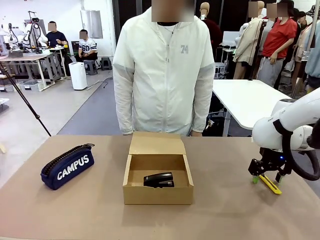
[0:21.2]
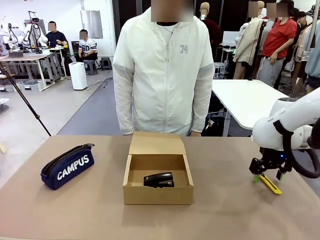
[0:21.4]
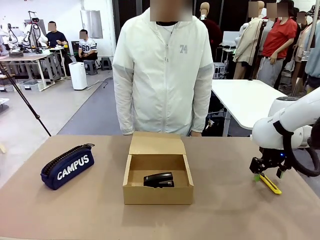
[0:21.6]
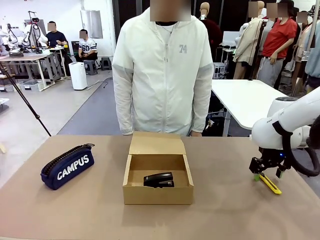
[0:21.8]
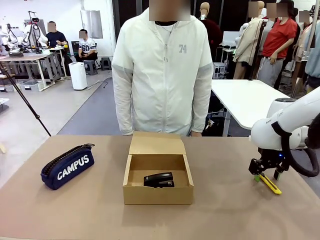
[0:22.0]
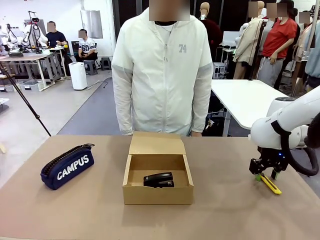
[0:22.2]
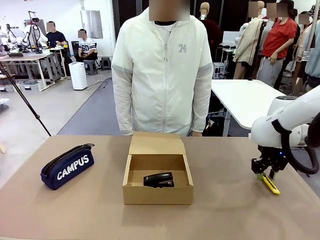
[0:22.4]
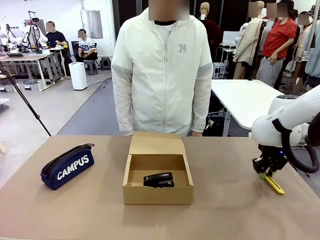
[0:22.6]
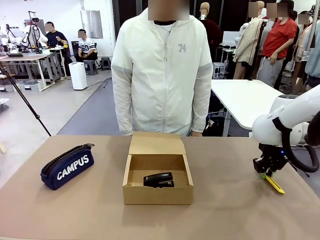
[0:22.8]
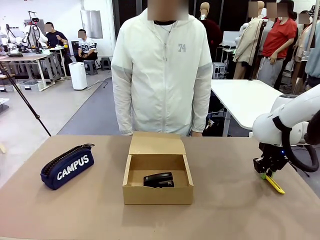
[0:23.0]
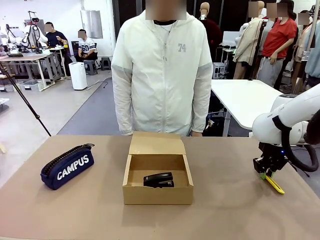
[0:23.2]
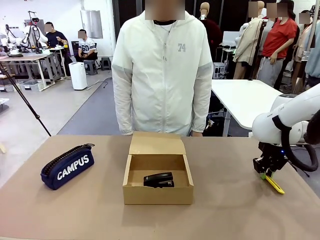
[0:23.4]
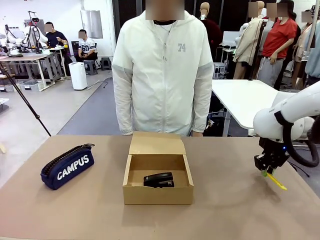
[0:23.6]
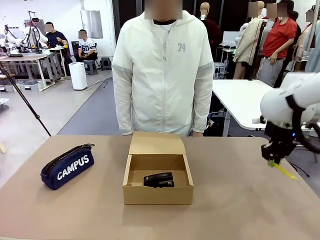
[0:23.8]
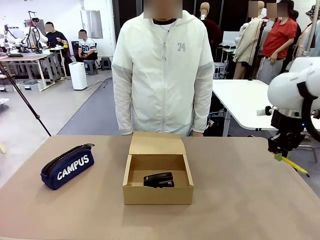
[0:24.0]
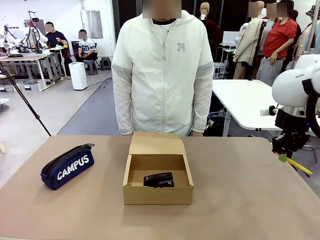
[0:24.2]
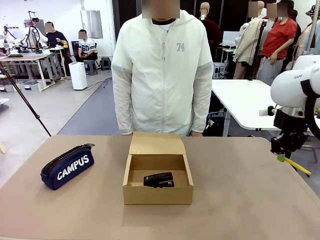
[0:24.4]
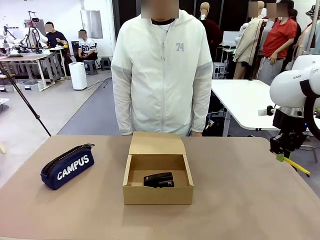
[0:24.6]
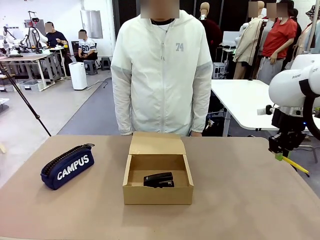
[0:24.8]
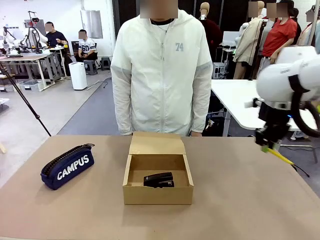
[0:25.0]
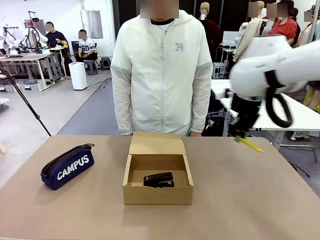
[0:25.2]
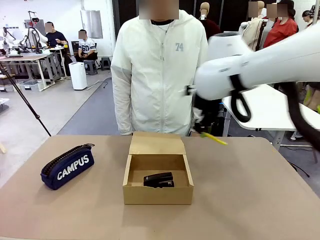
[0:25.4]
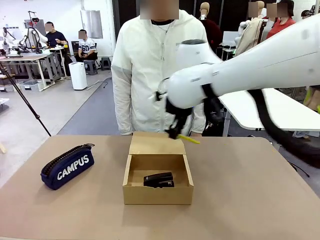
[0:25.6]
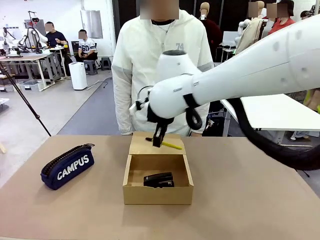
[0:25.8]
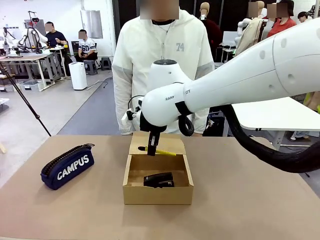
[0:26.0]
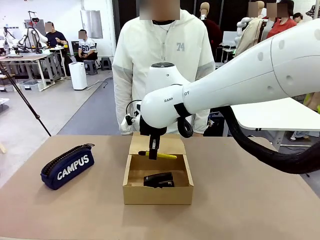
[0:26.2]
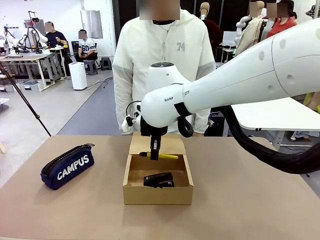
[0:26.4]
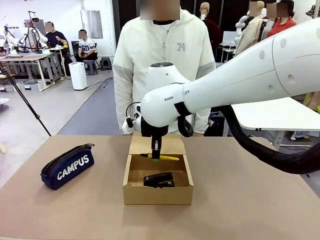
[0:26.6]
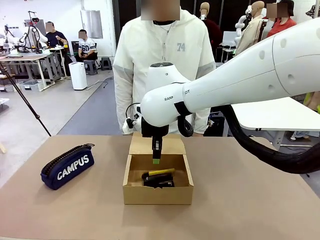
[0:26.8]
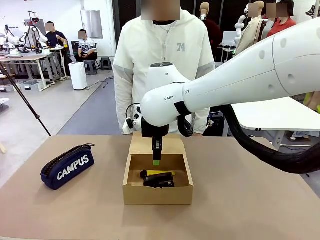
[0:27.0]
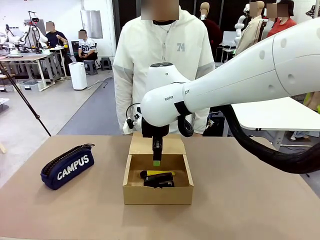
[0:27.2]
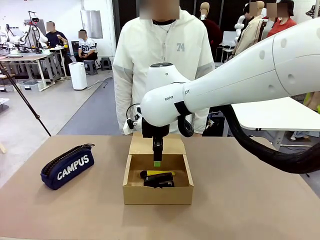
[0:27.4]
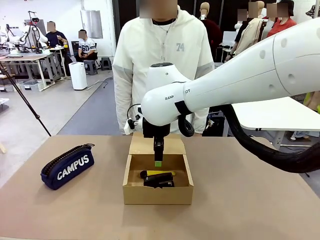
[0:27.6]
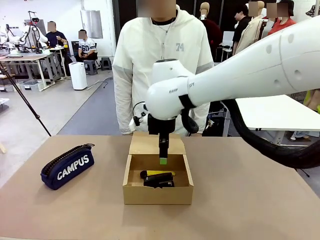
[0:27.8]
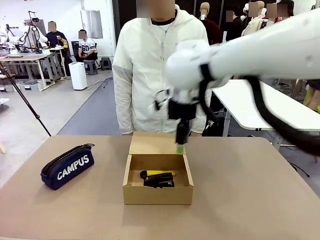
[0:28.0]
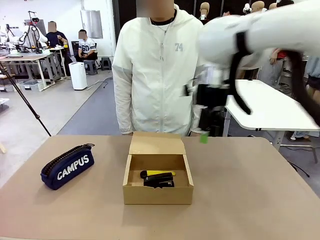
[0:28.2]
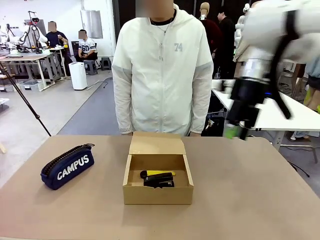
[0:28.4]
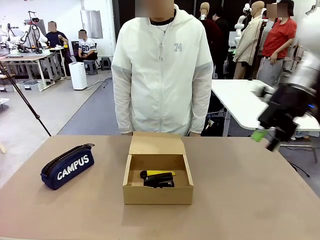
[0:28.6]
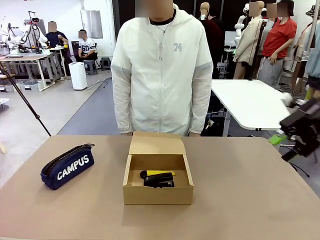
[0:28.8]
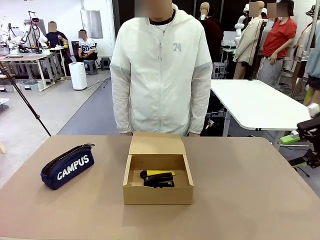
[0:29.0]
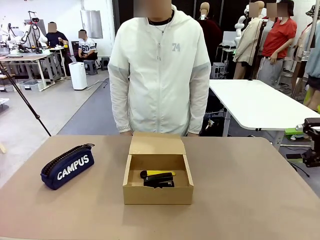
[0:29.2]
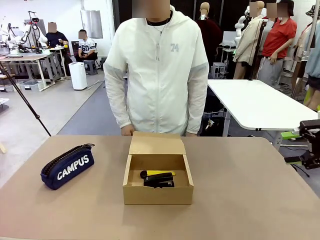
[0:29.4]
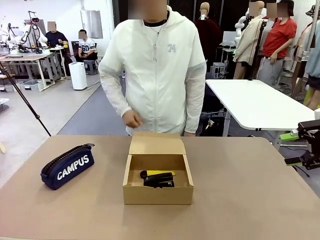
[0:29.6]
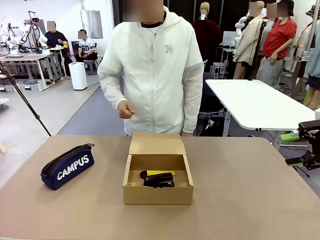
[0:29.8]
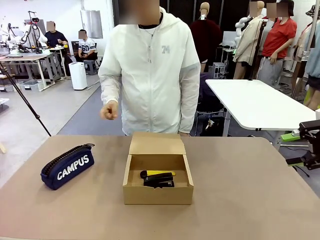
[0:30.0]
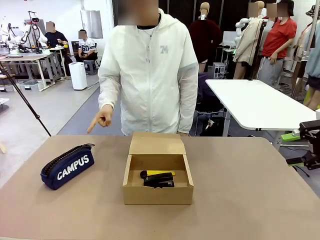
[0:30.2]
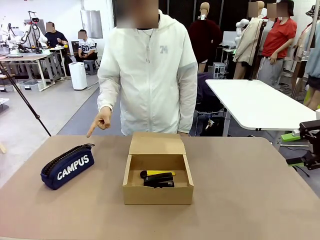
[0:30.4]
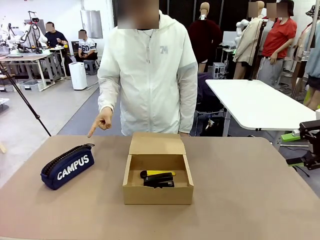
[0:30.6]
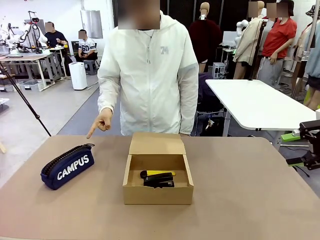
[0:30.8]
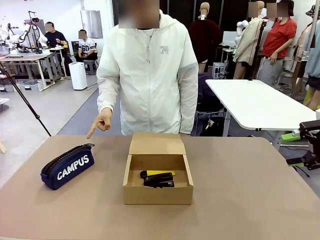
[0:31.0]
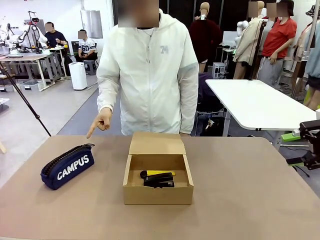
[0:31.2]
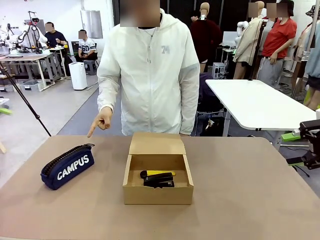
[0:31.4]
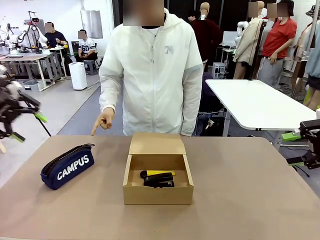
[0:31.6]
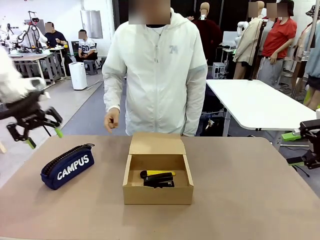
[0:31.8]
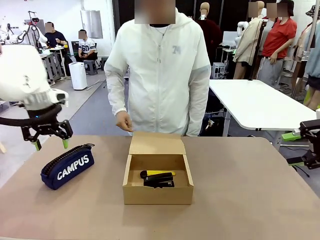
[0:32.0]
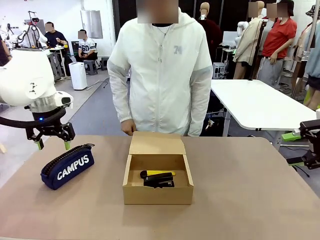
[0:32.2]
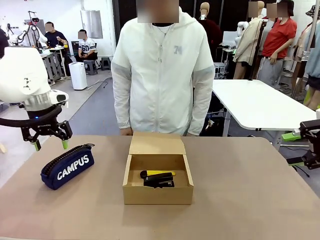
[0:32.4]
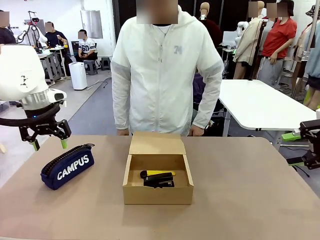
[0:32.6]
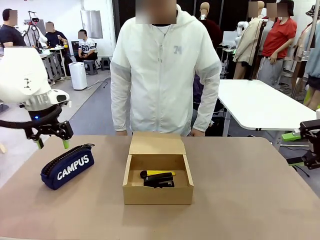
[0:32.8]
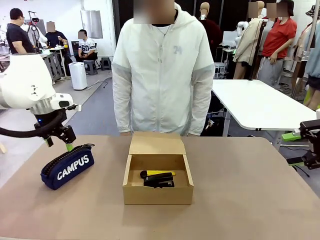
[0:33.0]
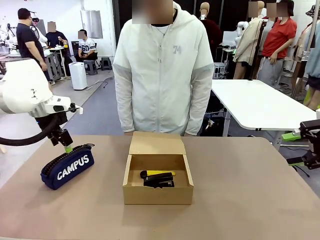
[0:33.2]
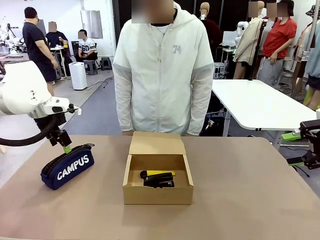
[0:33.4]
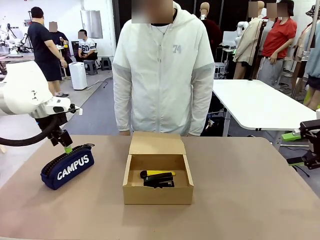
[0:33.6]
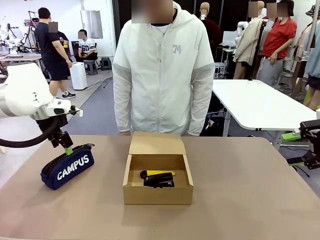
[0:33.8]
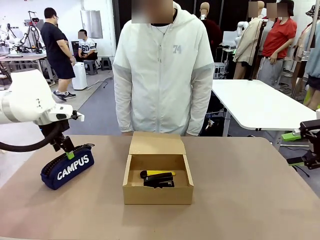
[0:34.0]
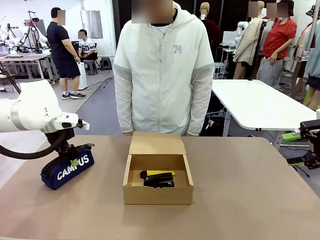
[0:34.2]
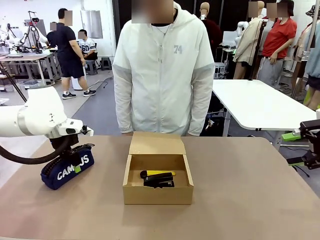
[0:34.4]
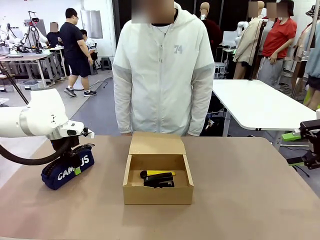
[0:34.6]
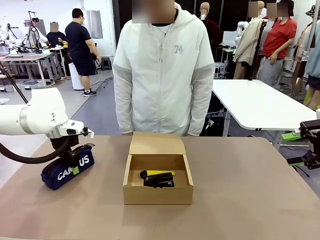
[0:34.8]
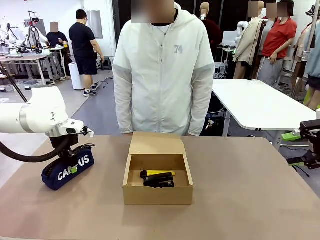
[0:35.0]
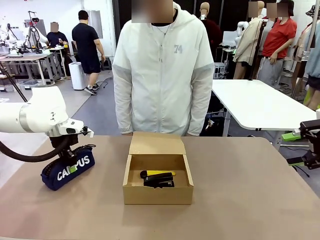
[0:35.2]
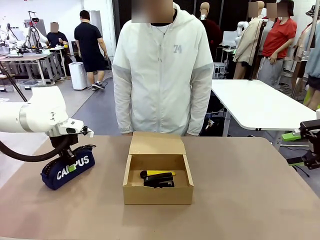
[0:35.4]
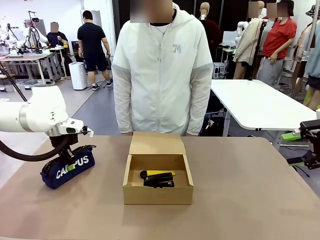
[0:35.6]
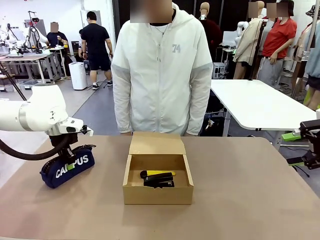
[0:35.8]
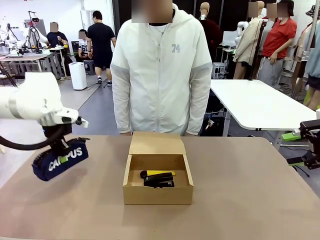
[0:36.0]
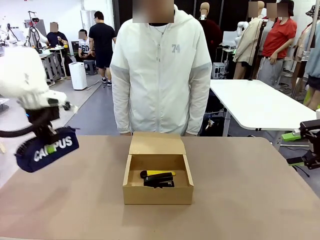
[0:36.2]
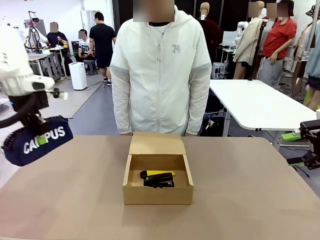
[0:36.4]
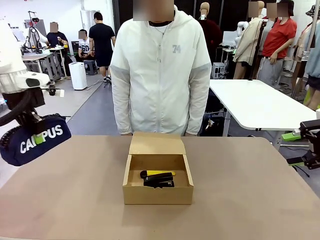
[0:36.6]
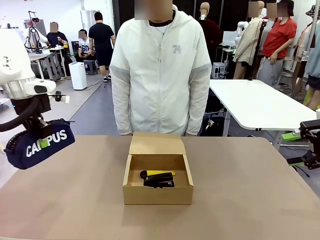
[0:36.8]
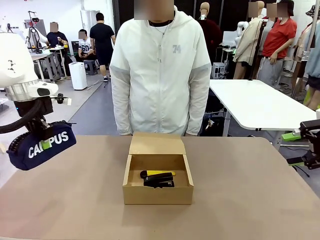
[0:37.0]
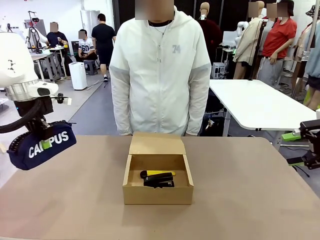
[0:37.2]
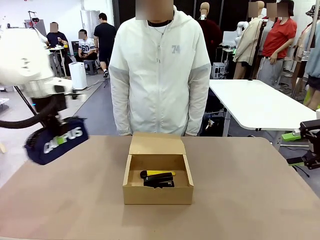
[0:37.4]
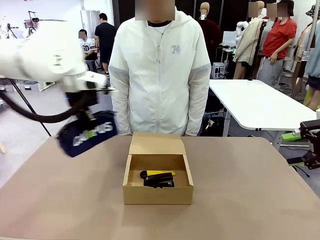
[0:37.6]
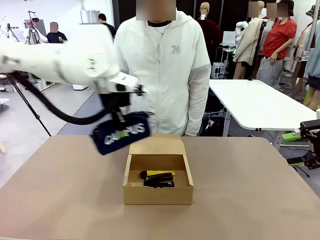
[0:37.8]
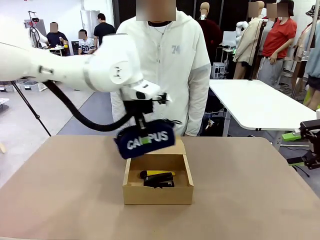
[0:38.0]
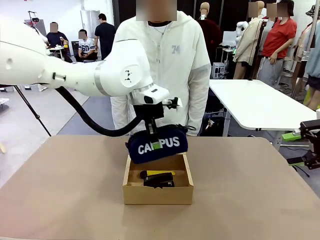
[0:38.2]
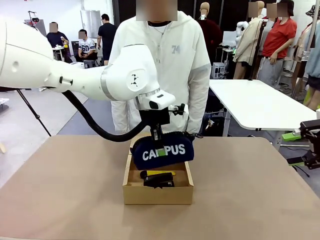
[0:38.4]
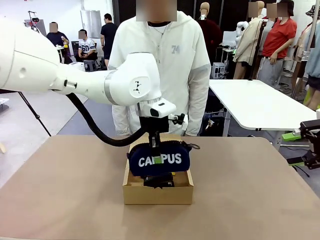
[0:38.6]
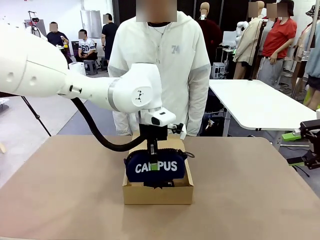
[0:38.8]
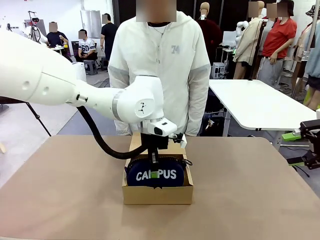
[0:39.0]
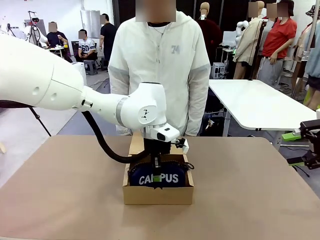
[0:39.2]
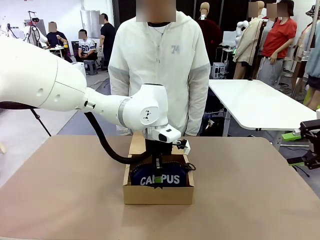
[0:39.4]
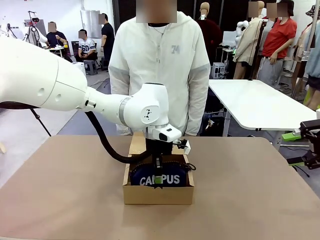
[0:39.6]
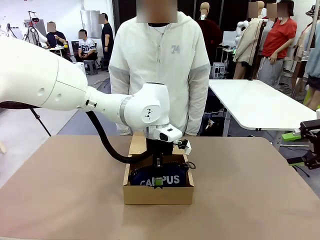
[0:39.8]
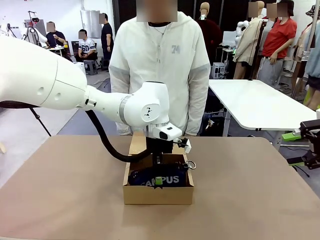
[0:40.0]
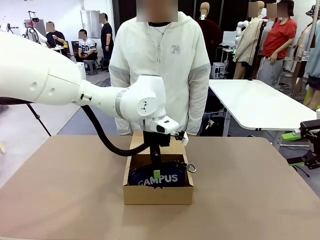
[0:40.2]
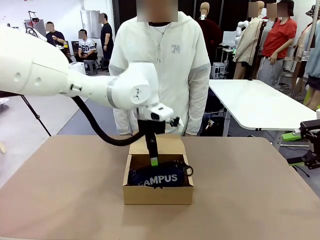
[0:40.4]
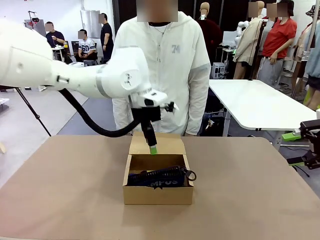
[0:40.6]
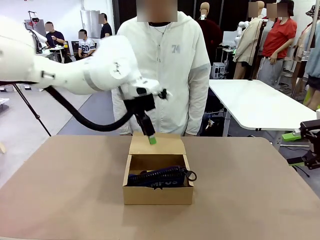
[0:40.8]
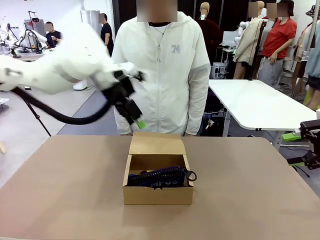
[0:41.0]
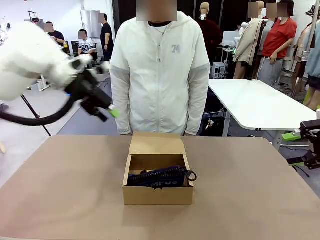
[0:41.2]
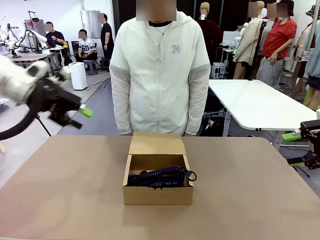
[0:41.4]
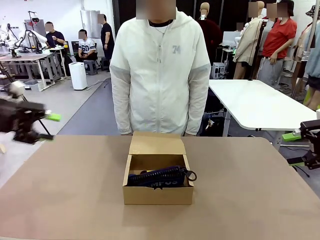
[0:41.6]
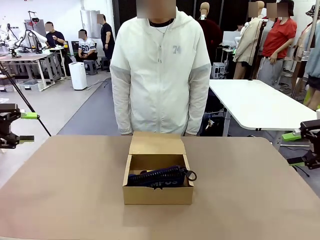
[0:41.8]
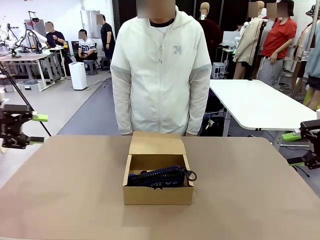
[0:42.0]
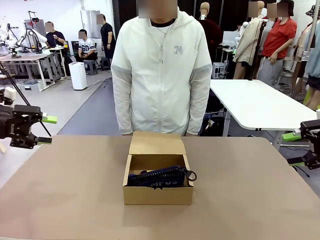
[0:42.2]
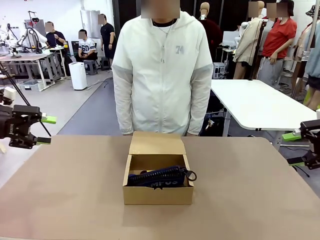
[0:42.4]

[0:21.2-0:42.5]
Task: Pack the items into the box.
Robot: Pick up the item indicated by the person and place it inside the Mailer Box.
Person: Lower both hands vertically with palms facing downward, as if pressing something closed.
